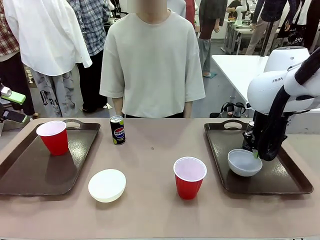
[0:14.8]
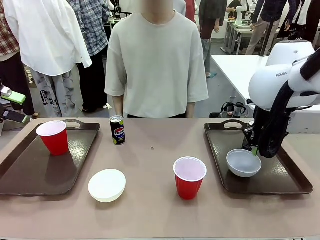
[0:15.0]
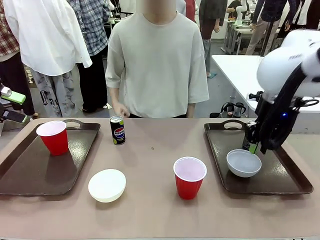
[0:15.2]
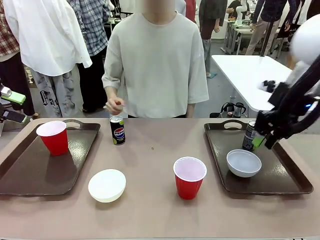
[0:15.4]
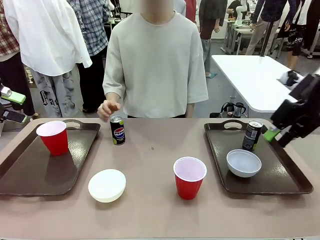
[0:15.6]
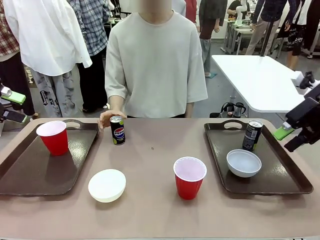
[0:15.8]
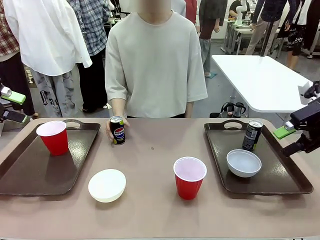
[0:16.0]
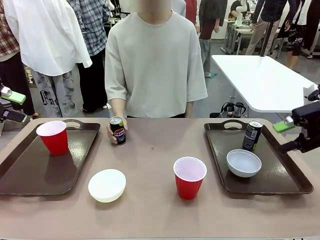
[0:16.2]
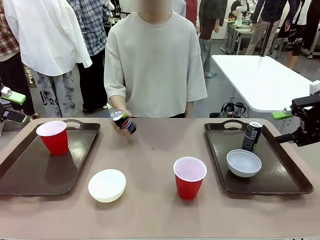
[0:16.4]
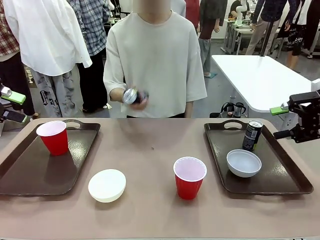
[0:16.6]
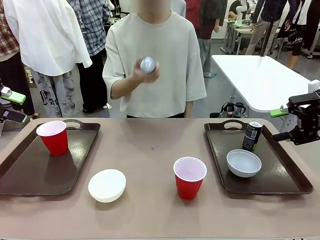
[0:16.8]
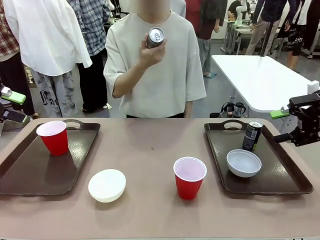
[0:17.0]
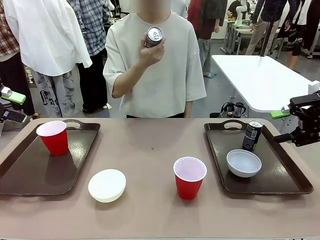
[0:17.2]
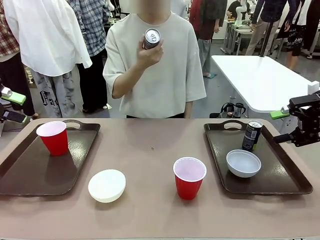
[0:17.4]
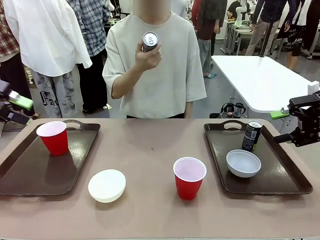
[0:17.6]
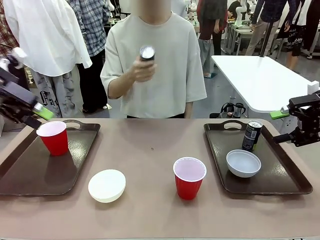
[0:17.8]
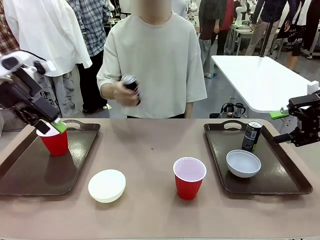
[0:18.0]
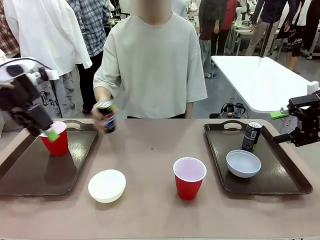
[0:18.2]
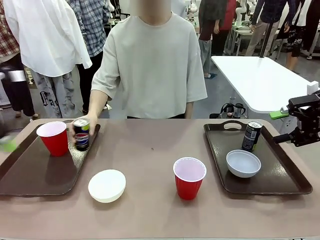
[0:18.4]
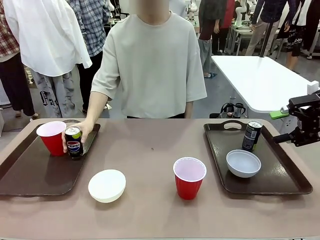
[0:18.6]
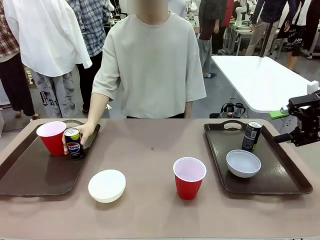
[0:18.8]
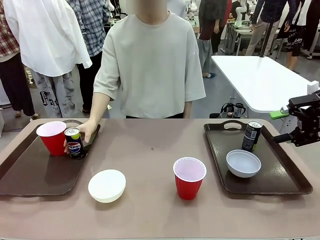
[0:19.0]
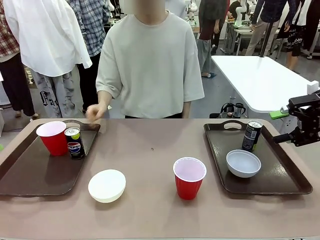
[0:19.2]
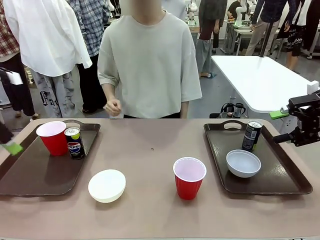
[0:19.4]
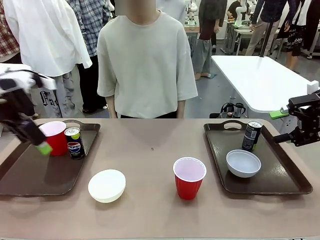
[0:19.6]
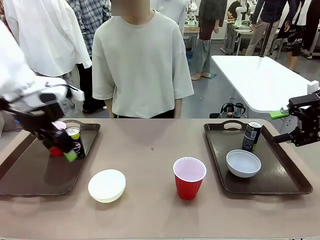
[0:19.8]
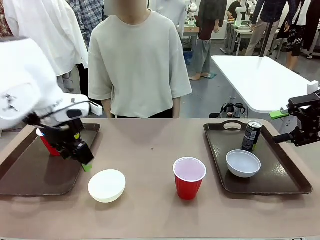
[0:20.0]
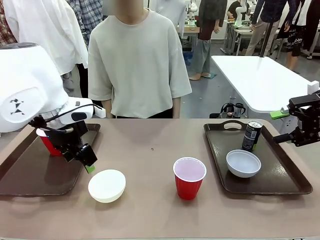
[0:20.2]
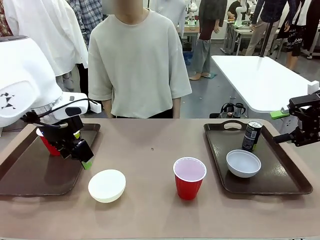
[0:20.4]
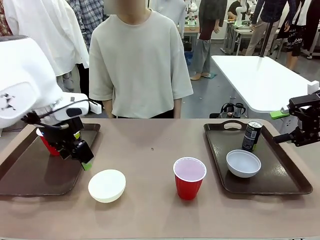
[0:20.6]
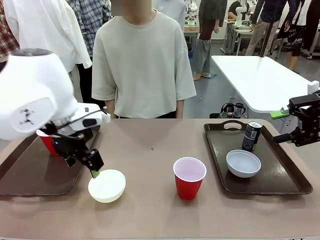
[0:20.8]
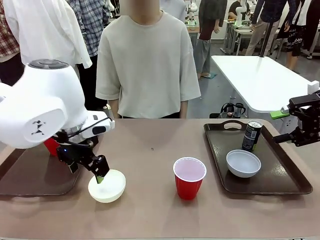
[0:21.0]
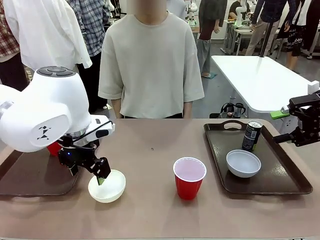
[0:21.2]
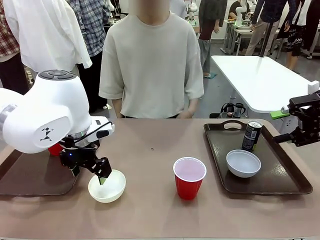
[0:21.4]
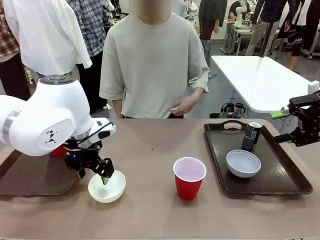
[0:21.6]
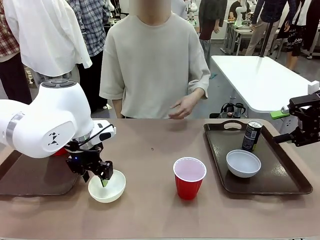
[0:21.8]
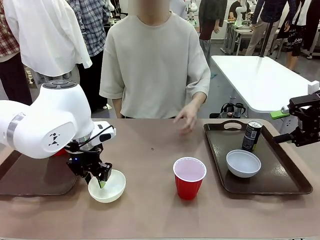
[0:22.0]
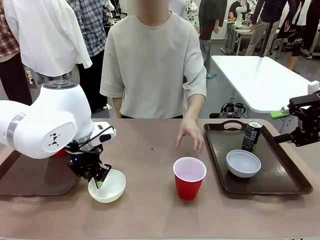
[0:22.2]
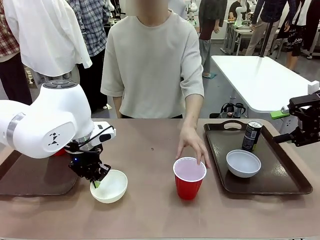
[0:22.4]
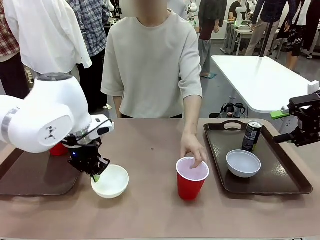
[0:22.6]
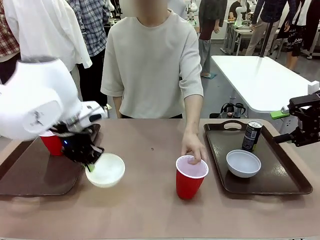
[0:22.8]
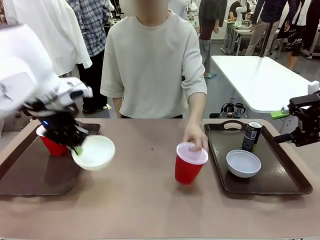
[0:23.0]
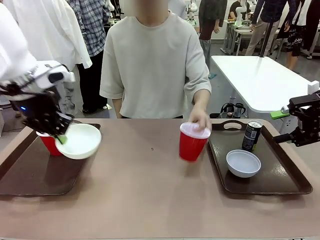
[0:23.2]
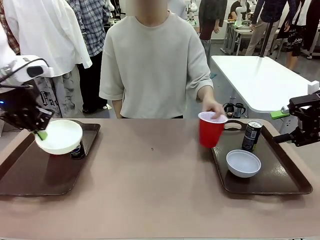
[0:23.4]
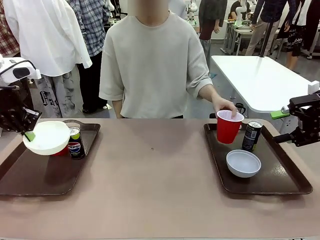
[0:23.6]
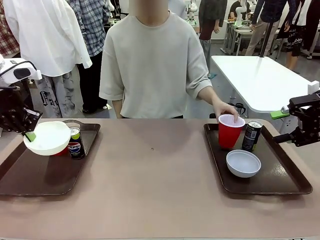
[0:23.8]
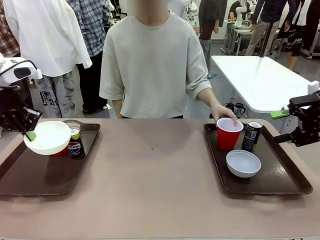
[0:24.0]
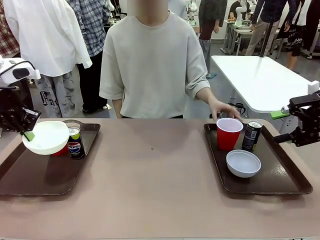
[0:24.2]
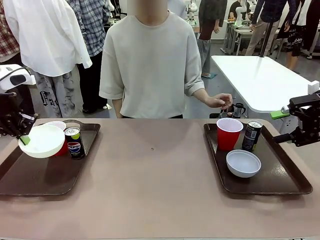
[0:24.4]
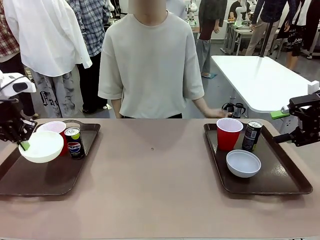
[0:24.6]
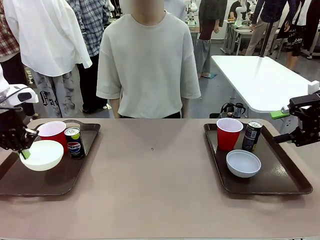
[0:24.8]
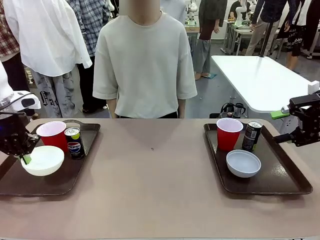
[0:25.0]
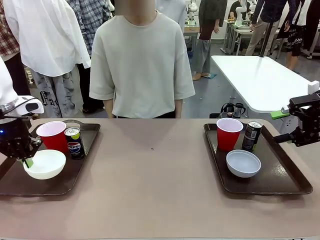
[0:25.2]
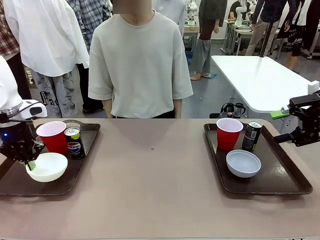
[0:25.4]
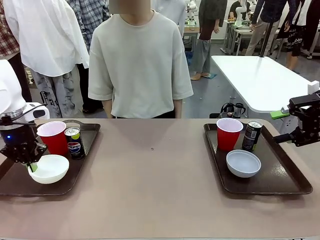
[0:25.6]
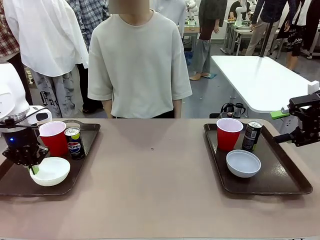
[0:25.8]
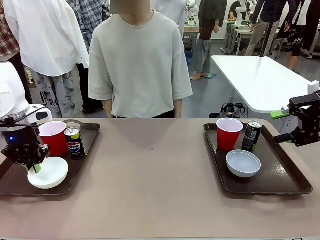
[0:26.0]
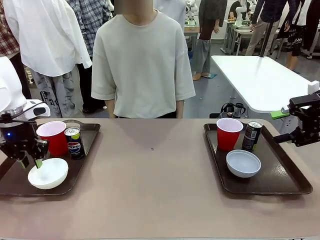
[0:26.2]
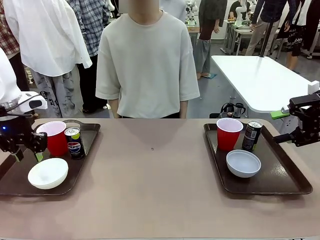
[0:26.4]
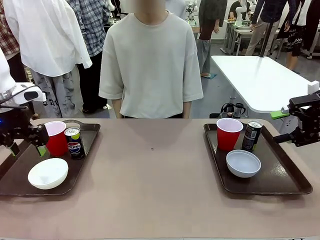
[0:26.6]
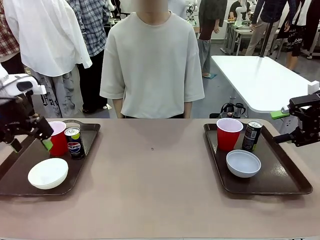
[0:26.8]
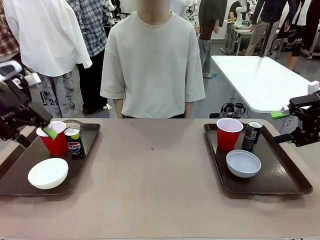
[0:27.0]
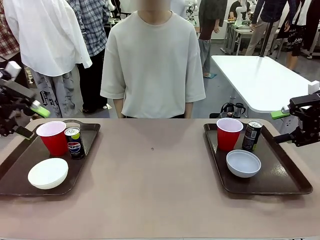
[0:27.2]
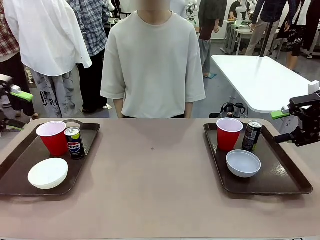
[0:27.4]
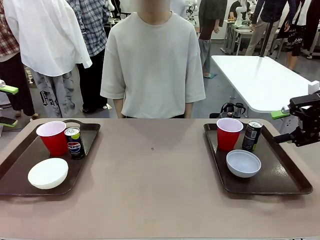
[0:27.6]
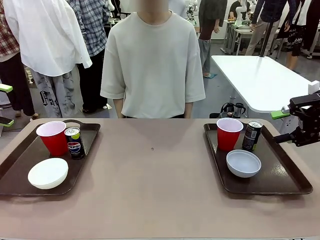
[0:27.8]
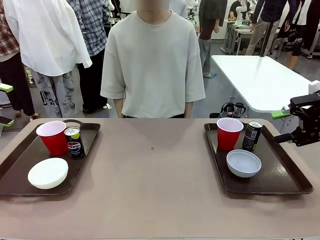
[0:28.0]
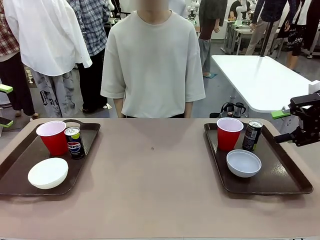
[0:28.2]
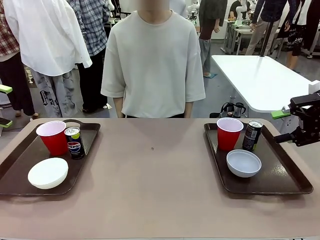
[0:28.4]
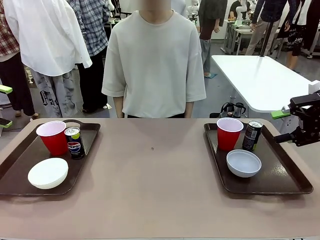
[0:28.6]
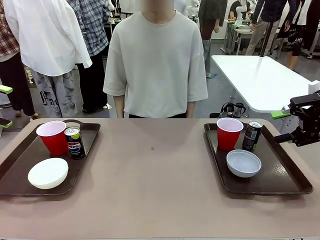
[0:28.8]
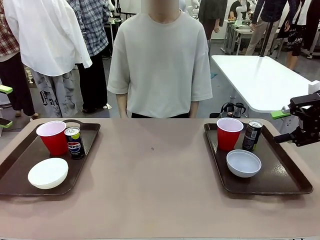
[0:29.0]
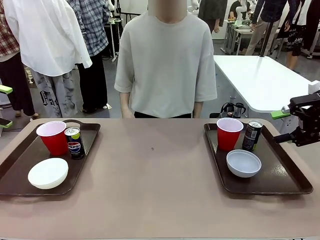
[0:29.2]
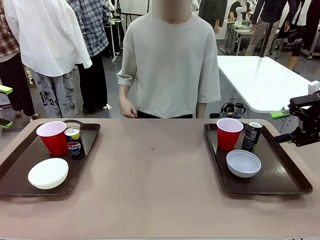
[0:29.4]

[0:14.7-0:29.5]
Task: Prepare tableware on both trays.
Robot: Pick up a Picnic Bowl from the table and place it on a Handle tray.
Person: Pick up a can or cup and place it on the tray without a can or cup.
